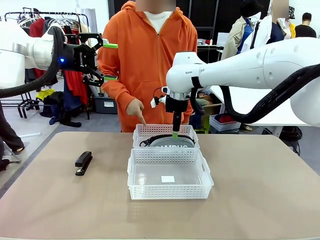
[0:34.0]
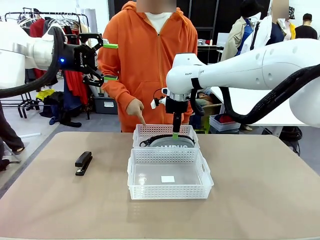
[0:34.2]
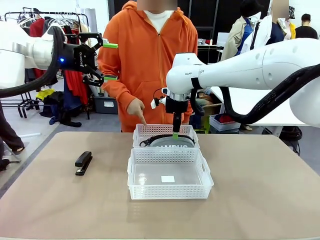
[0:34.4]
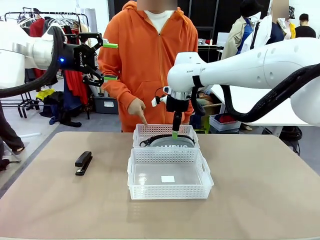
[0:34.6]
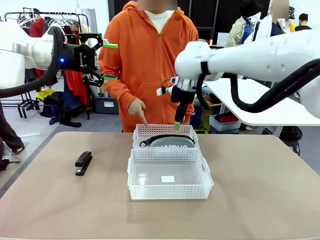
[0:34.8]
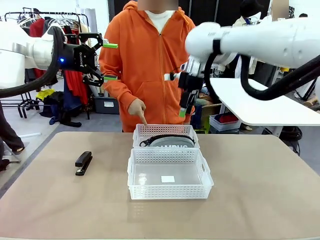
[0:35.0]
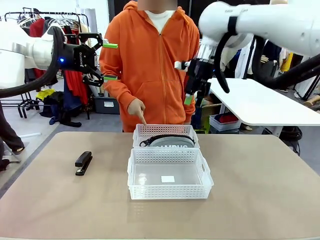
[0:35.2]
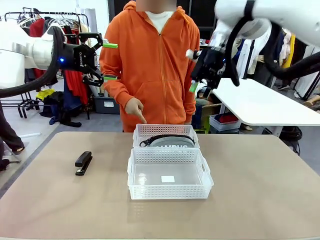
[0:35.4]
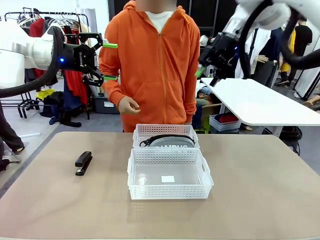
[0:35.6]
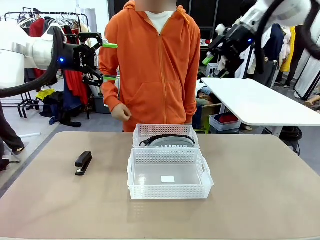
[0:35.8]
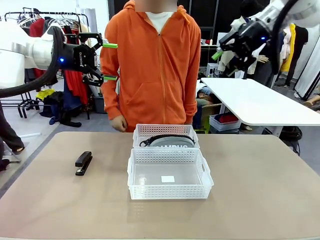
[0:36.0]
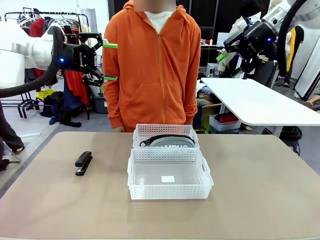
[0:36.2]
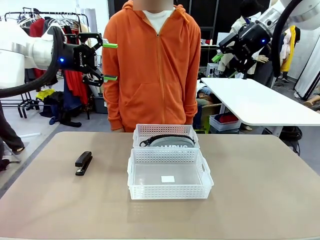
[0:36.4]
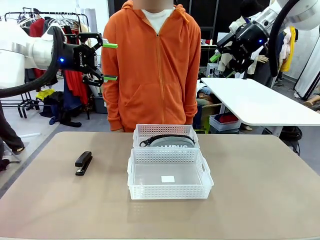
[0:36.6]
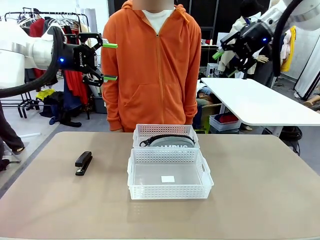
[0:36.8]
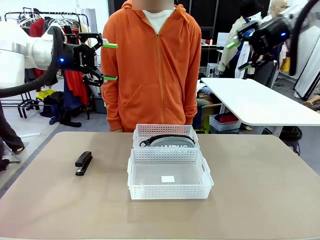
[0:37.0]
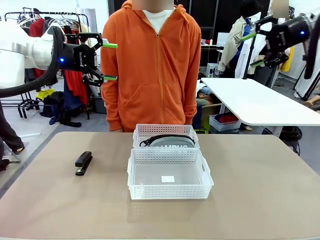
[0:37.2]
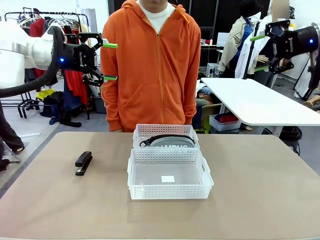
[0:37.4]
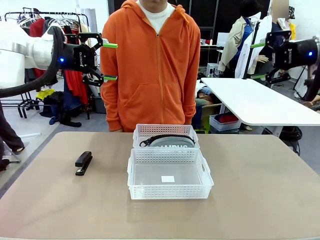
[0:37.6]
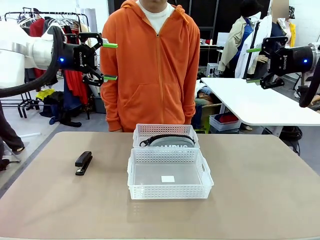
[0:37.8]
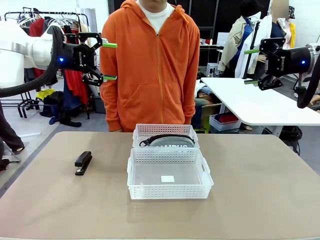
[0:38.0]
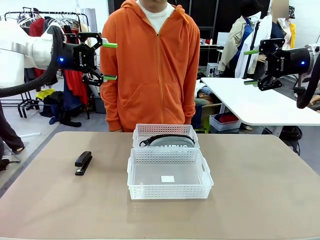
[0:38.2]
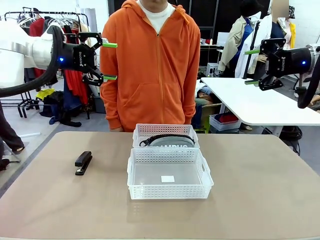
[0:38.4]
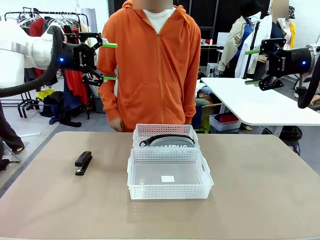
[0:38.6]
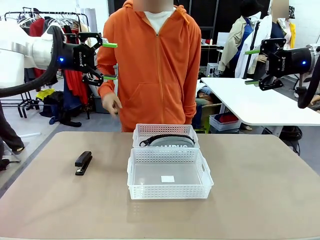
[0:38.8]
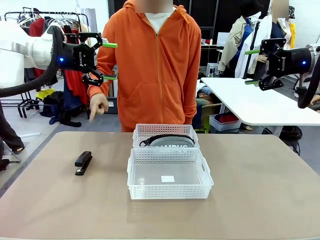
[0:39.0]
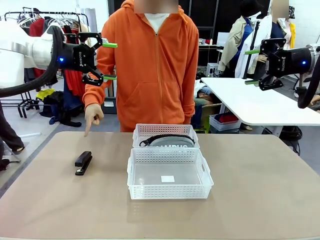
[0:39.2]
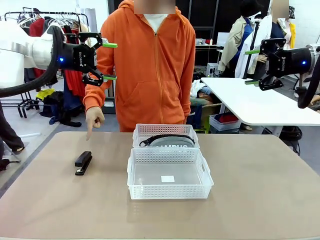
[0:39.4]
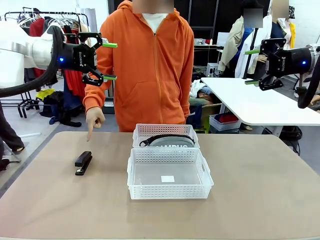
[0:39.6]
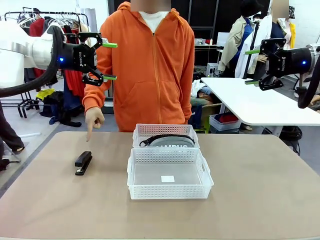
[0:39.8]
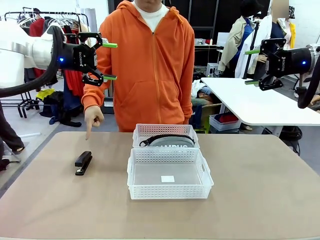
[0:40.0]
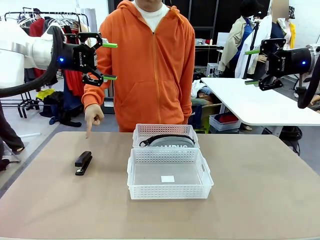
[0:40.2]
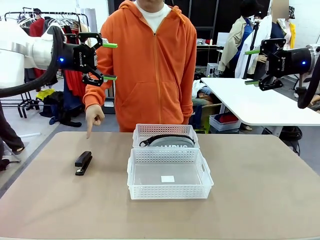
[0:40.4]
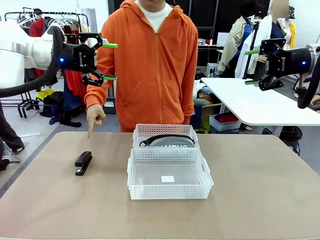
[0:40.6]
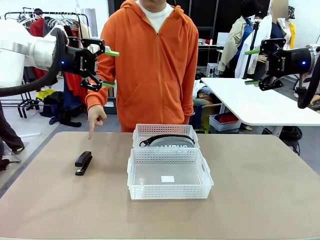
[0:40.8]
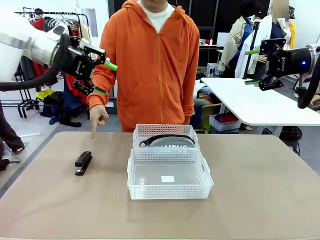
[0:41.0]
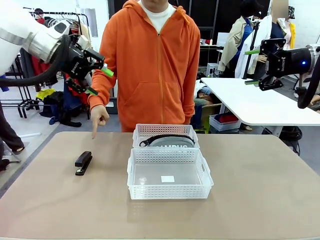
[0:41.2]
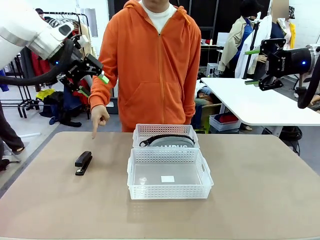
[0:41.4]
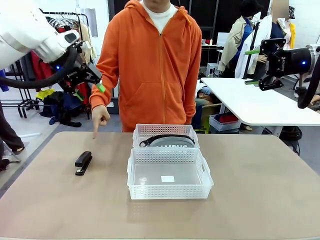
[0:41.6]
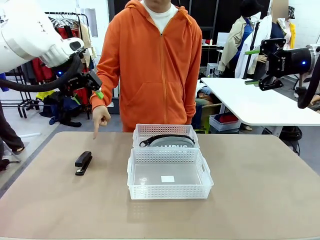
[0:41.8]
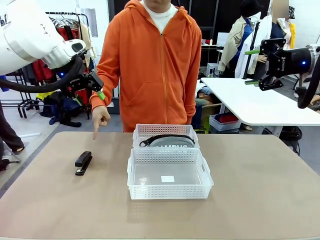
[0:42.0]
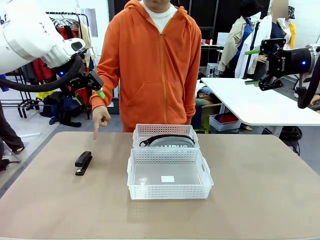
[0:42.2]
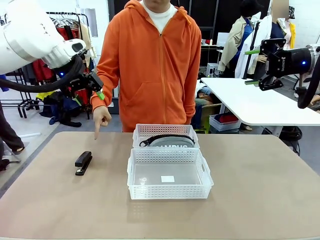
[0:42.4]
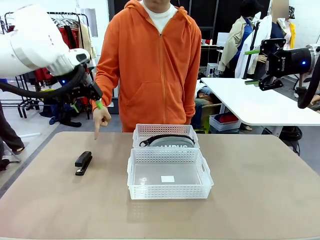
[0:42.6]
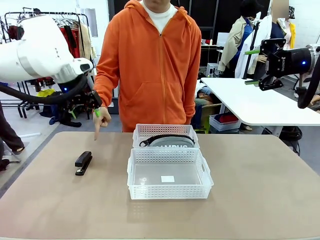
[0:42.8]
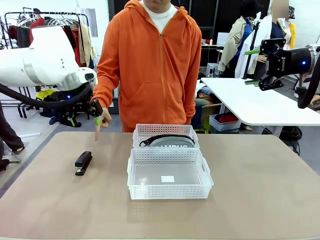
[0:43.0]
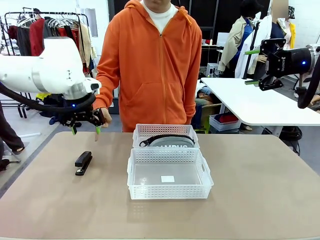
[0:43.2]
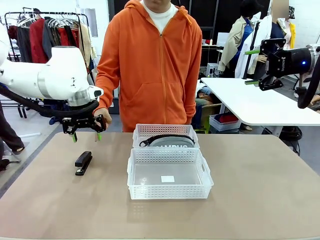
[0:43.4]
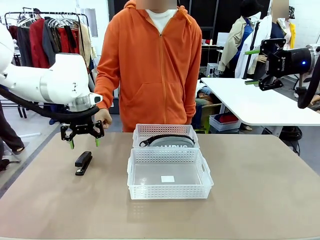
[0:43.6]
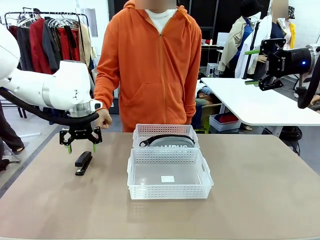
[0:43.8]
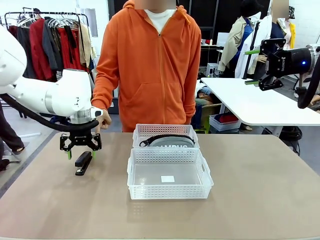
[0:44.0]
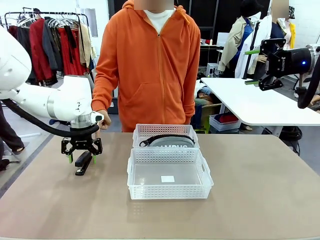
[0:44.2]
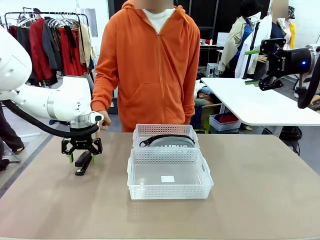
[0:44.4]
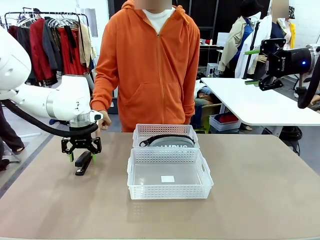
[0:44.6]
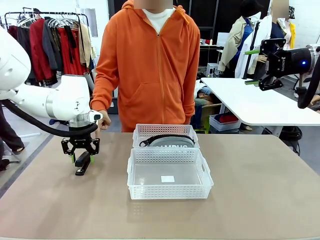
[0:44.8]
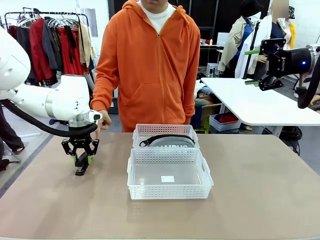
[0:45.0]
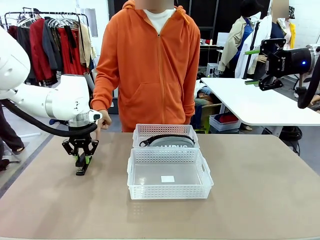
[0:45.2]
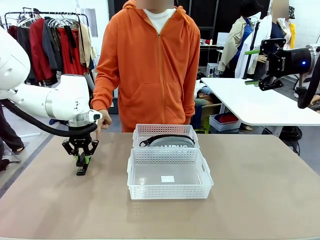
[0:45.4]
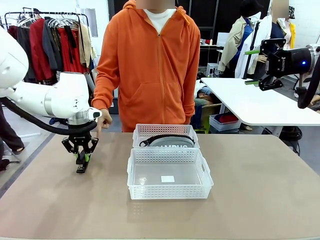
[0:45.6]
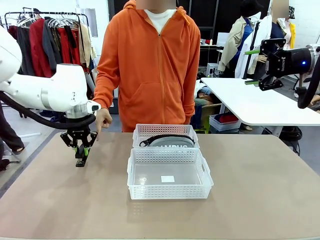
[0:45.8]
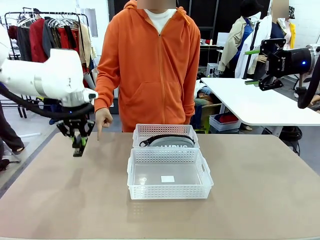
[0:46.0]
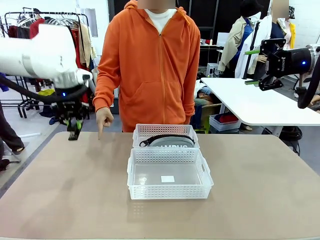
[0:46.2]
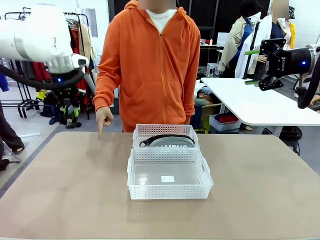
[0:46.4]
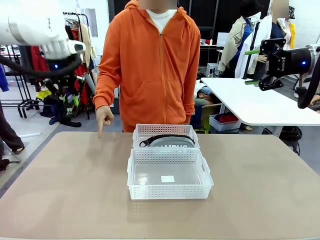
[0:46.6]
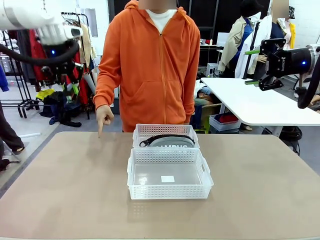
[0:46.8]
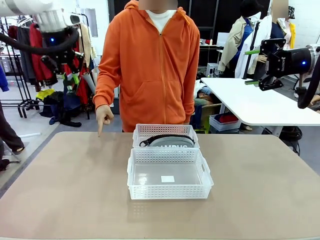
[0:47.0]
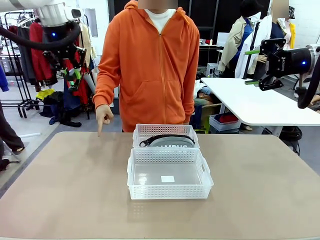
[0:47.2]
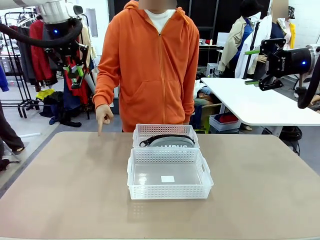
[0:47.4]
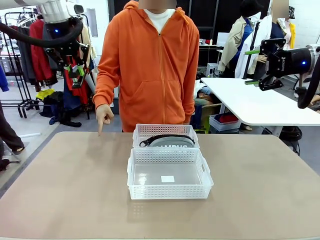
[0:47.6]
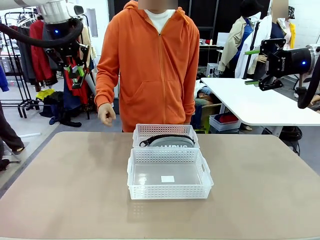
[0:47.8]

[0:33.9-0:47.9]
Task: Distribute items into two baskets.
Robot: Pick up the Stapler that the person points to.
